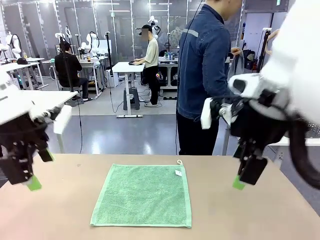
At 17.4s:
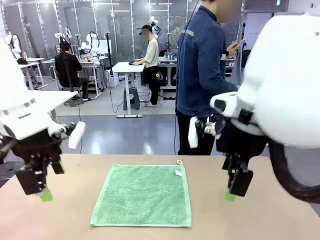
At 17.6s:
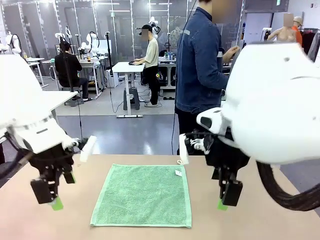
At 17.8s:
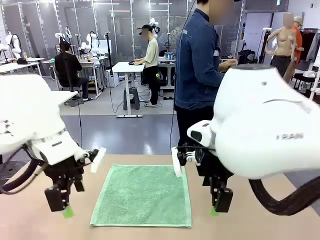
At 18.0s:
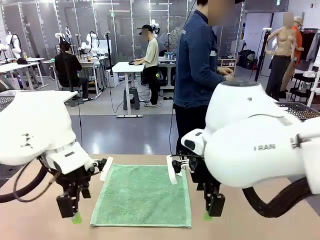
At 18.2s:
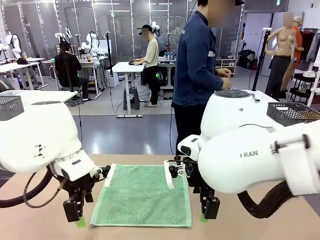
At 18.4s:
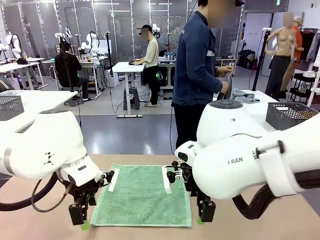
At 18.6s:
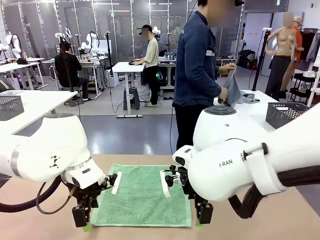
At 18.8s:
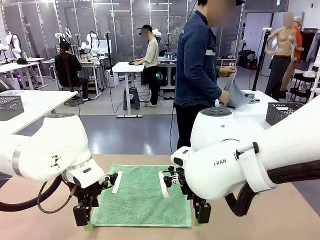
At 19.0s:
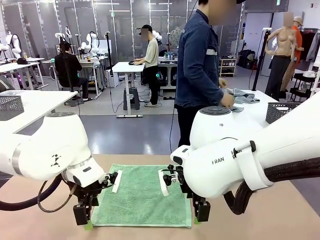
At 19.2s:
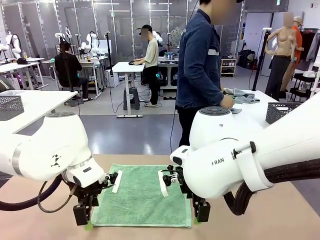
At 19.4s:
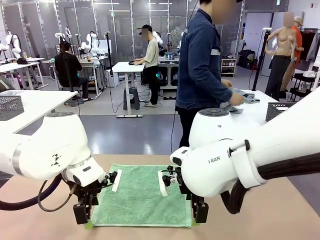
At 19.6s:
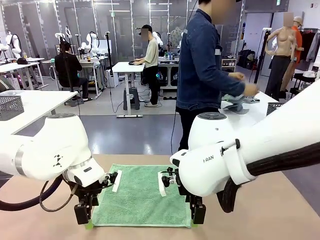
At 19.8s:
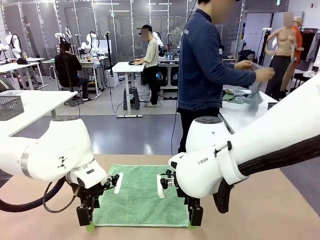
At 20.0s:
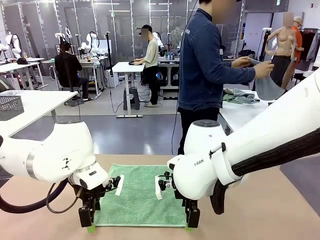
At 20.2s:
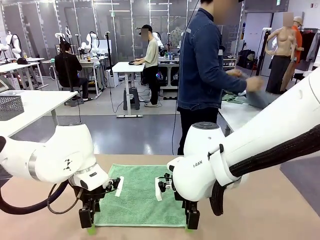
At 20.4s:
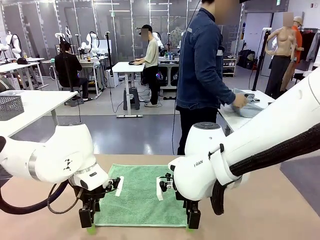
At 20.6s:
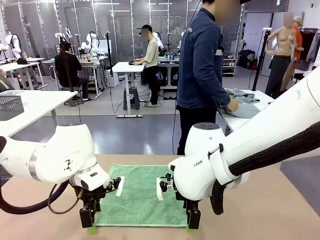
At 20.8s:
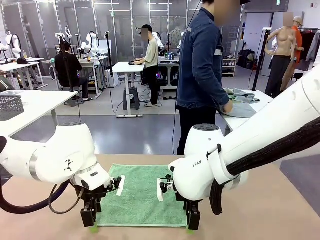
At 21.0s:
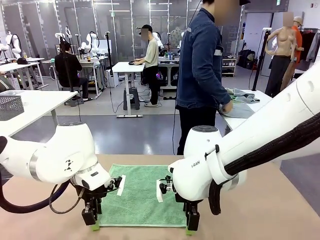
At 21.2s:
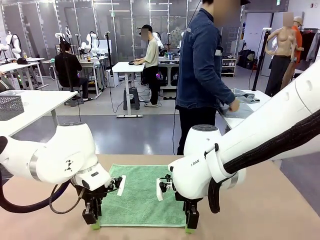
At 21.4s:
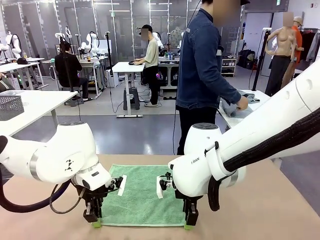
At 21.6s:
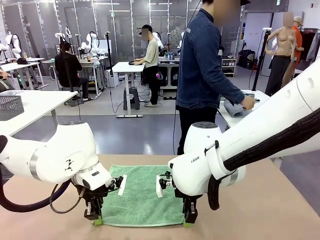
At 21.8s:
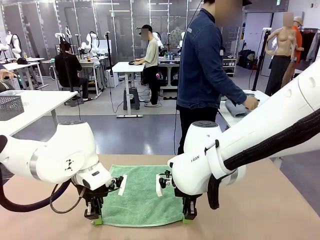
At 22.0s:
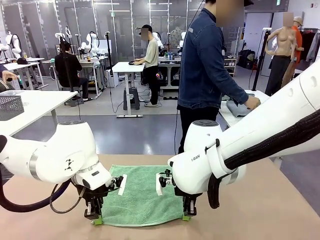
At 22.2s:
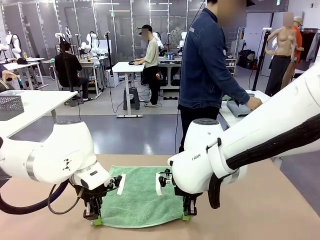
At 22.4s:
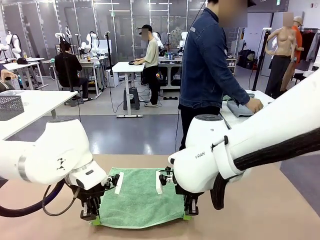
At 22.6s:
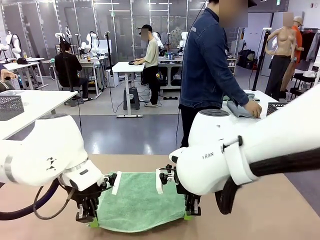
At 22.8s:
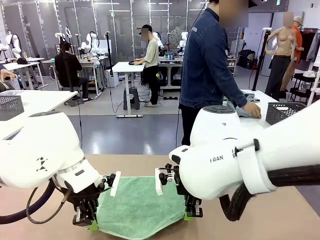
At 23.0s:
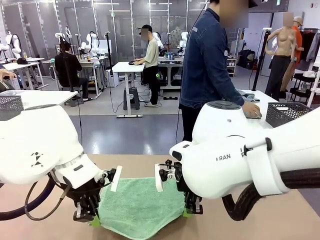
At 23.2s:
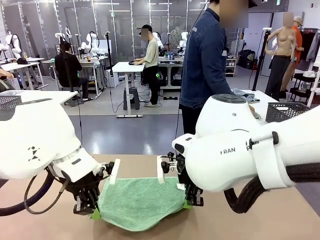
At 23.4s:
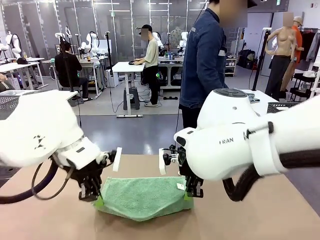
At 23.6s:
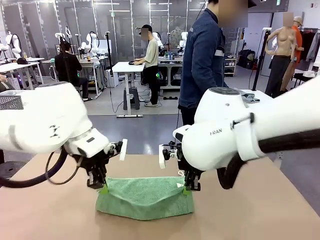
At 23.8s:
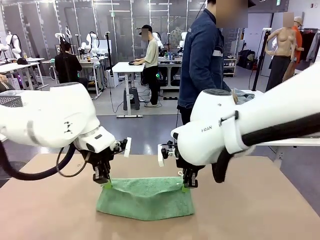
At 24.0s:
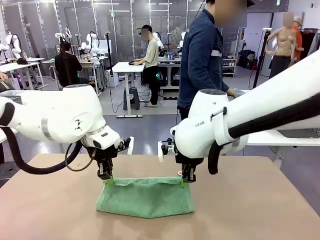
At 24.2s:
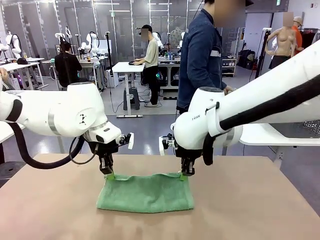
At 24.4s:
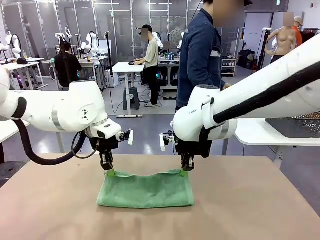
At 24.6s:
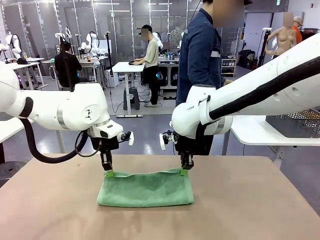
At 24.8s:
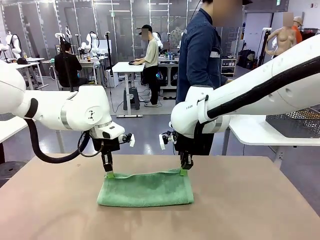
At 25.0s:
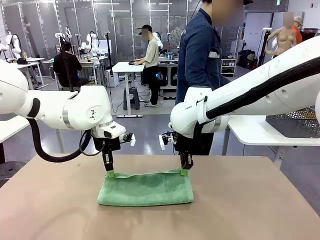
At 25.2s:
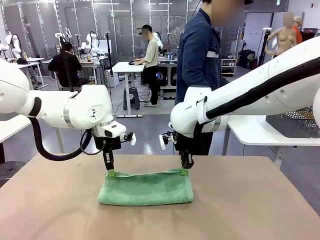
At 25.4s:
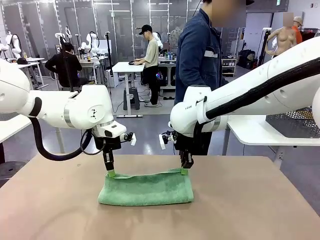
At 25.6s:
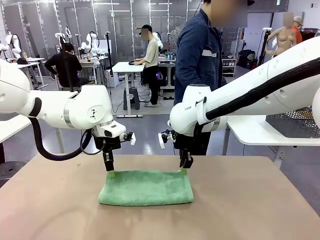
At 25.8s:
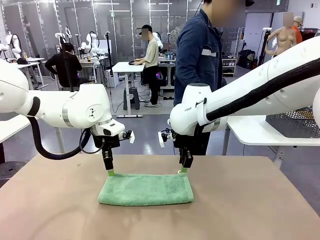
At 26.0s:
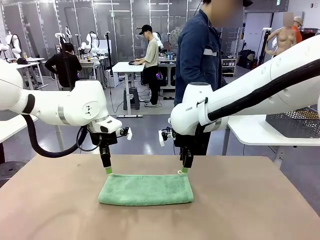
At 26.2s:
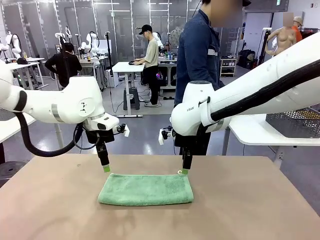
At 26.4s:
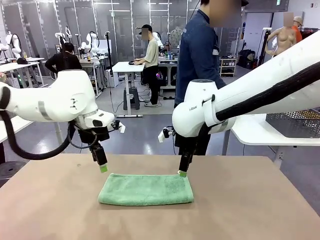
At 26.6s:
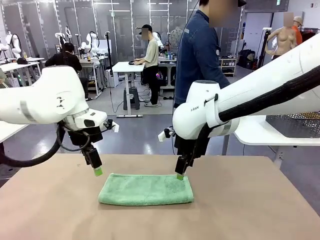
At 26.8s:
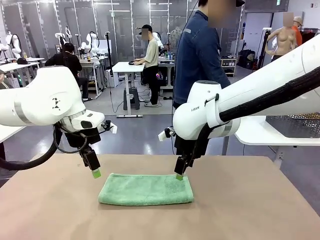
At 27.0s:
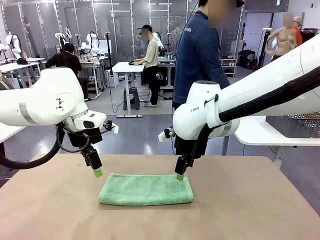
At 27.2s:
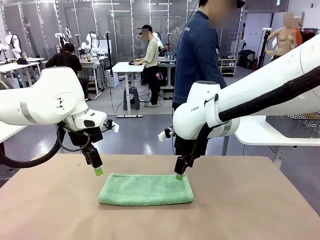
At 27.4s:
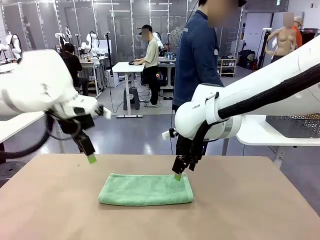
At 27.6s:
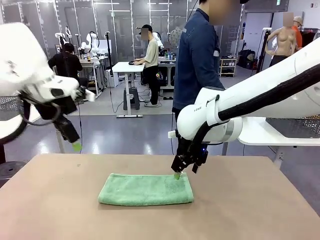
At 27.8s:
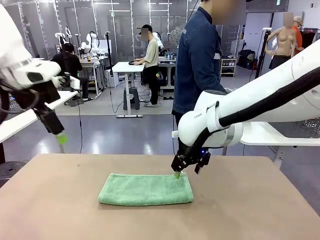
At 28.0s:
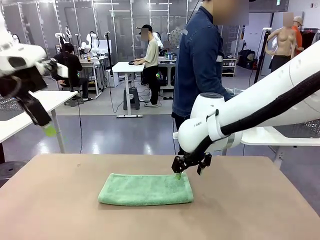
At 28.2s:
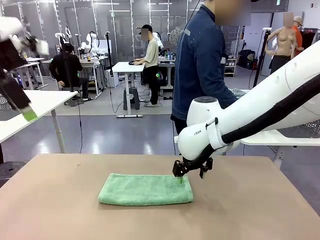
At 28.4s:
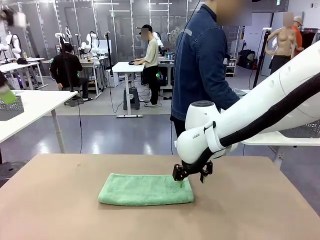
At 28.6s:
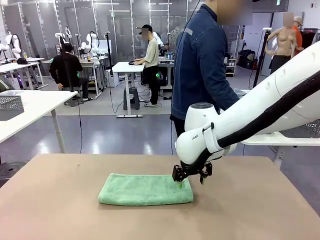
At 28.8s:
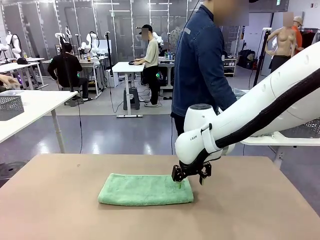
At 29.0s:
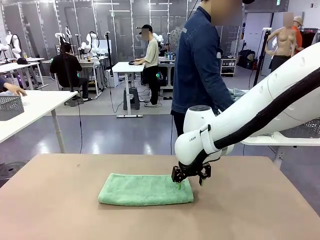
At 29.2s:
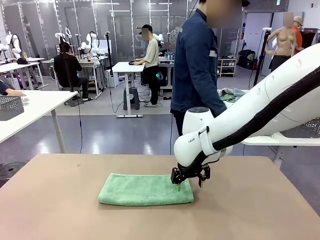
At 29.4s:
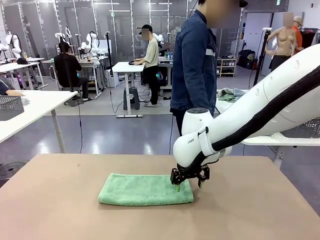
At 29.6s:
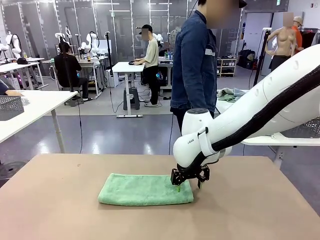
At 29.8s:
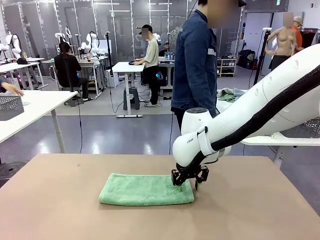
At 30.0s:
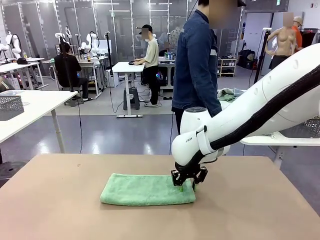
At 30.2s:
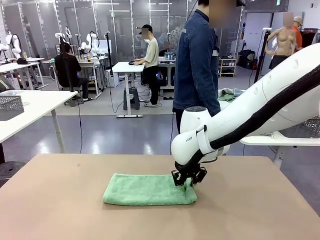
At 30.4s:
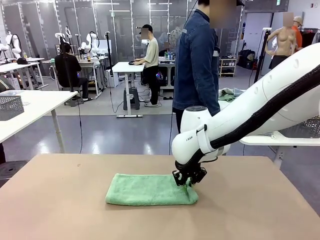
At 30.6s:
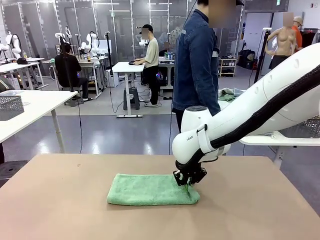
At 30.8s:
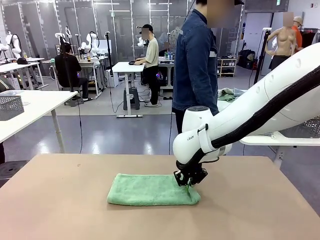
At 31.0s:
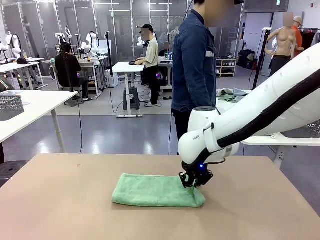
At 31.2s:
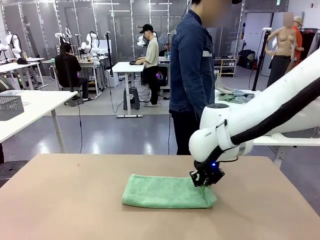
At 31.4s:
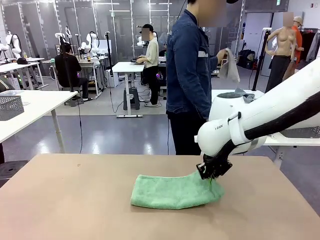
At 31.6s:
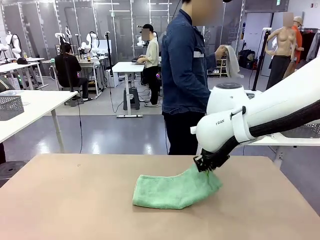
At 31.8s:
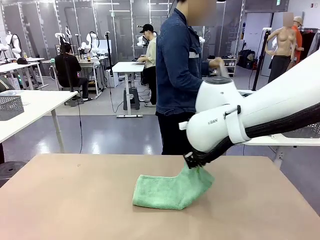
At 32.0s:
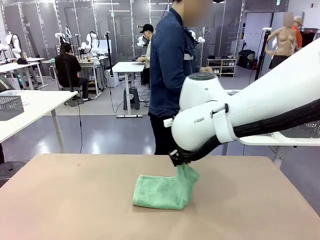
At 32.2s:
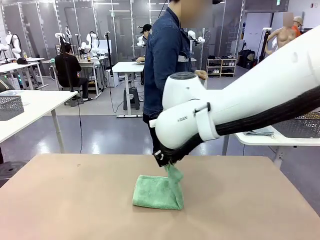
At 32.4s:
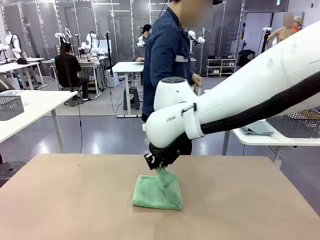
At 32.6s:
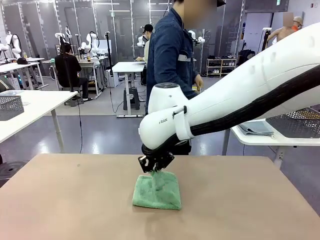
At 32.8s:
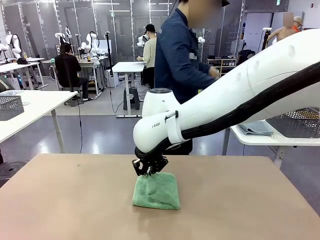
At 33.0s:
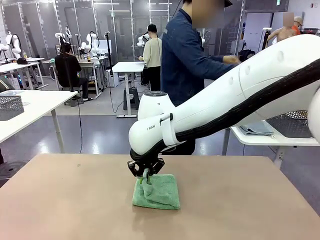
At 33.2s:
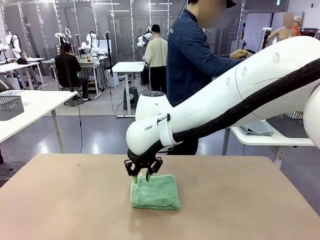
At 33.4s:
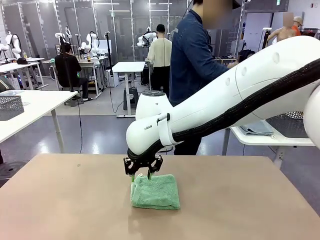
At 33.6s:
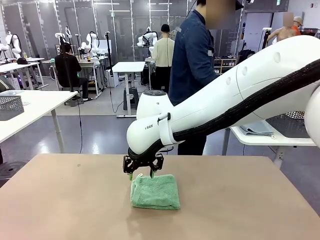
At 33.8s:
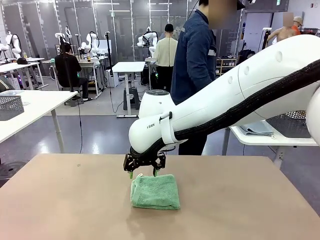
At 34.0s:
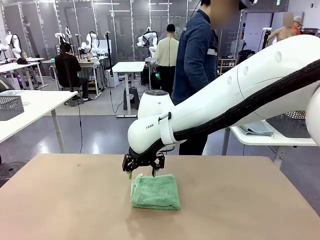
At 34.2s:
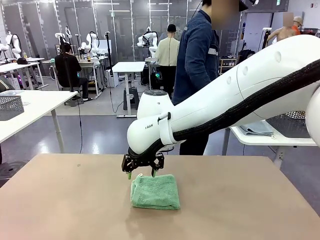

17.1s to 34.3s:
Task: Fold the towels and place them in the basket.
Robot: When a person lays out a Towel with hook on the table, fold it in half twice.
Person: Pick up one towel from the left side of the human table, fold it in half twice, and place it on the right side of the table.
